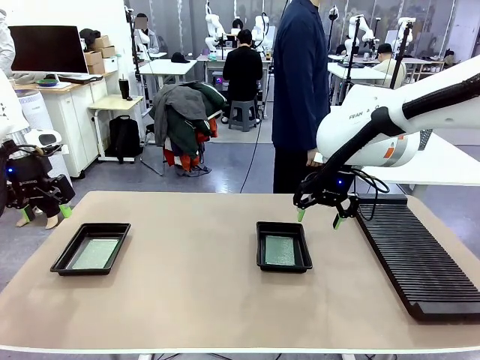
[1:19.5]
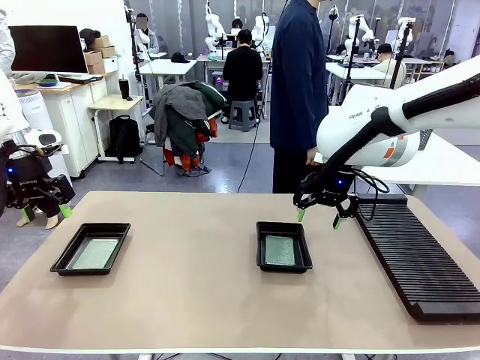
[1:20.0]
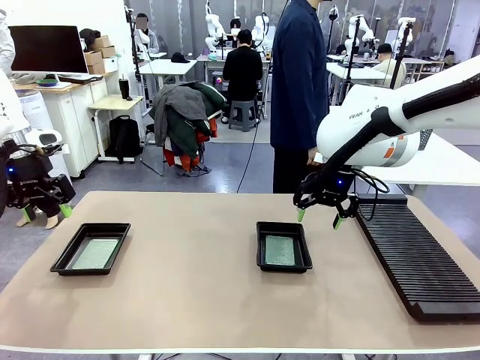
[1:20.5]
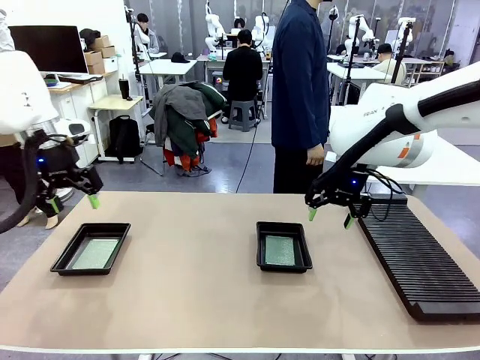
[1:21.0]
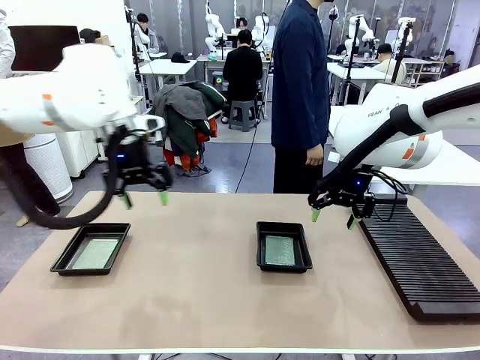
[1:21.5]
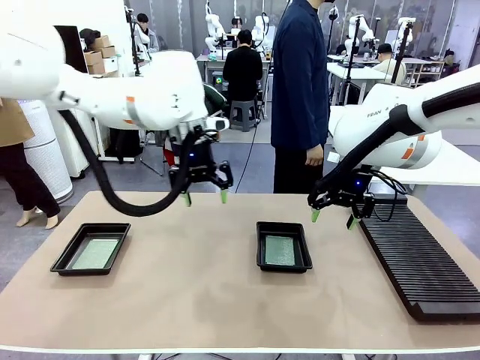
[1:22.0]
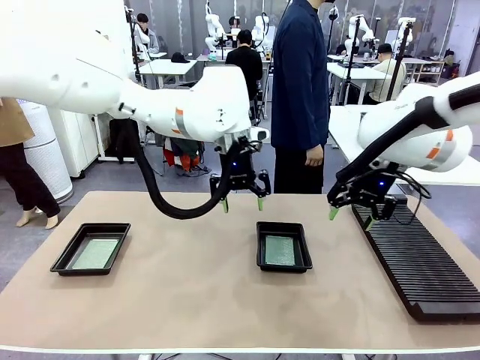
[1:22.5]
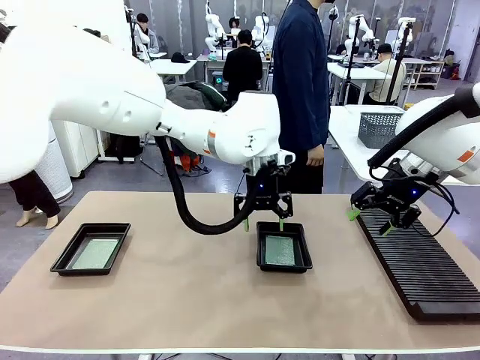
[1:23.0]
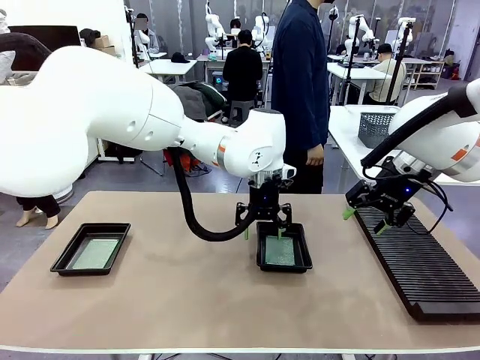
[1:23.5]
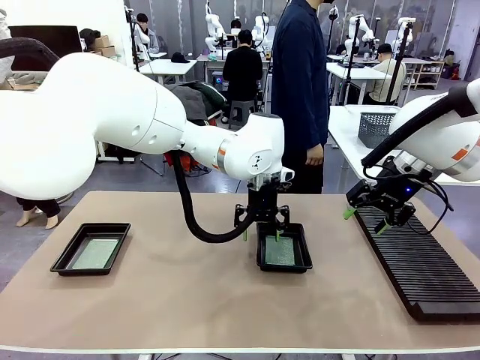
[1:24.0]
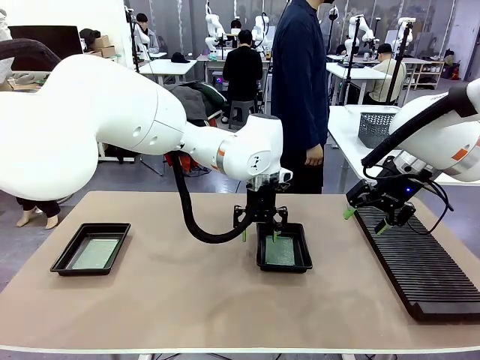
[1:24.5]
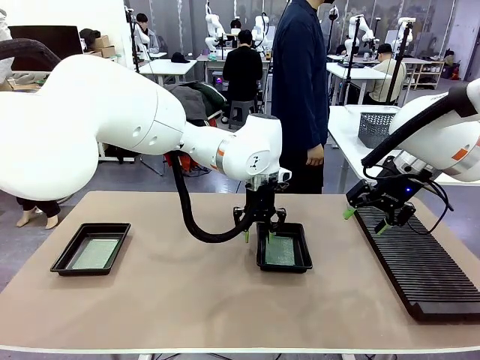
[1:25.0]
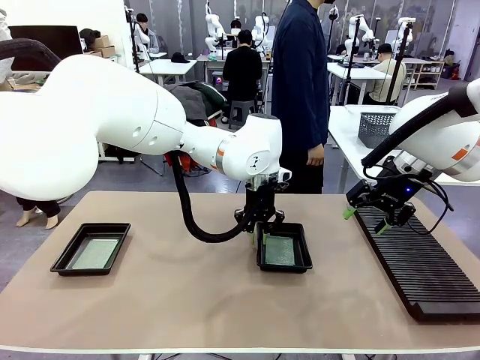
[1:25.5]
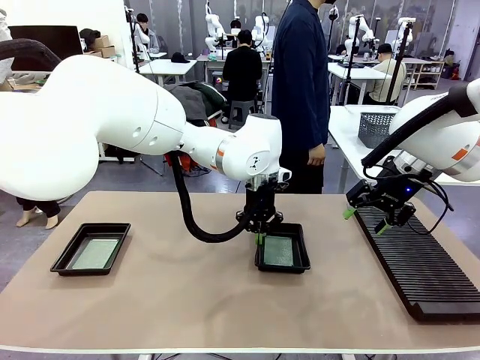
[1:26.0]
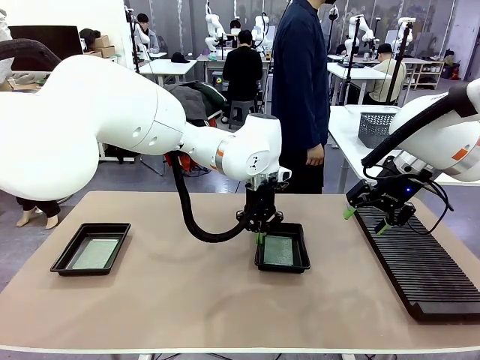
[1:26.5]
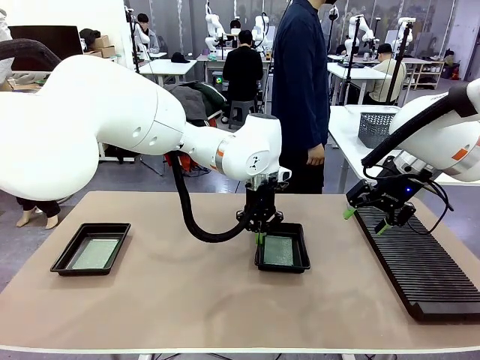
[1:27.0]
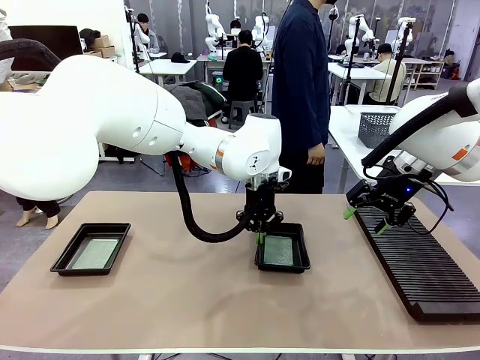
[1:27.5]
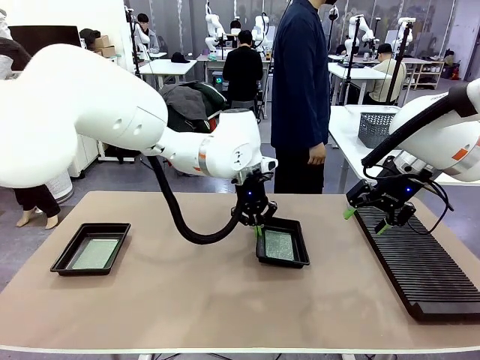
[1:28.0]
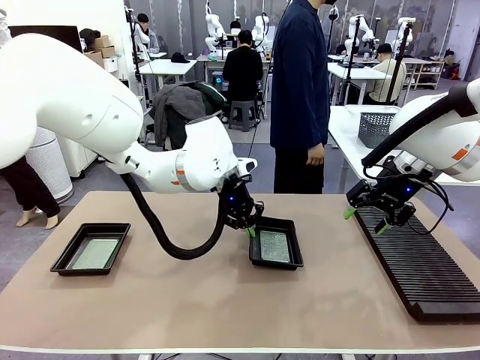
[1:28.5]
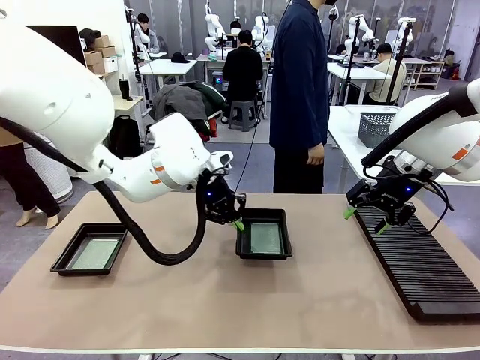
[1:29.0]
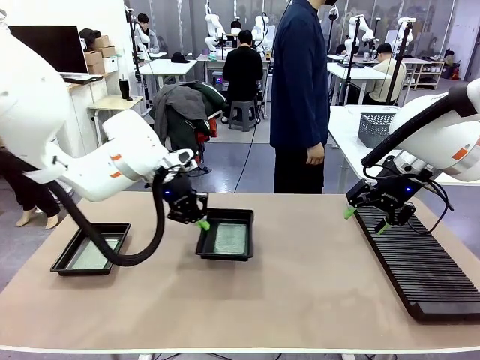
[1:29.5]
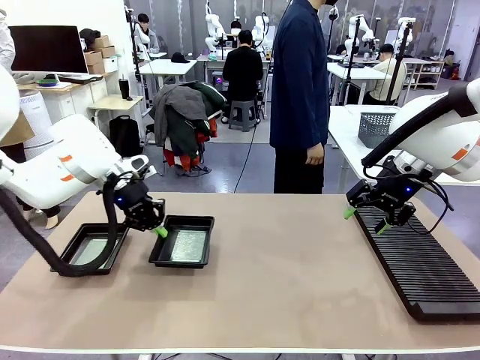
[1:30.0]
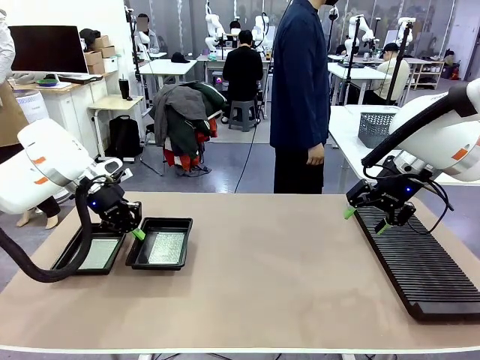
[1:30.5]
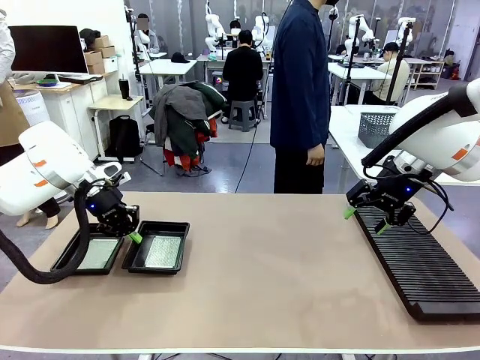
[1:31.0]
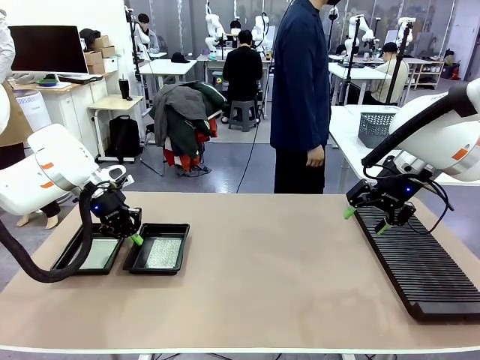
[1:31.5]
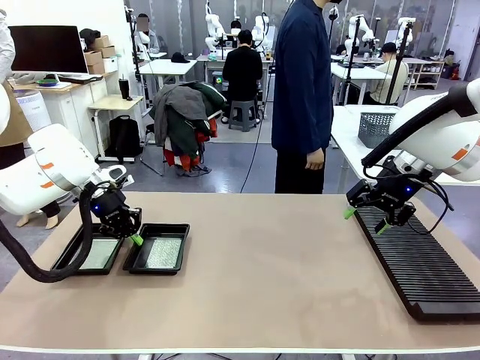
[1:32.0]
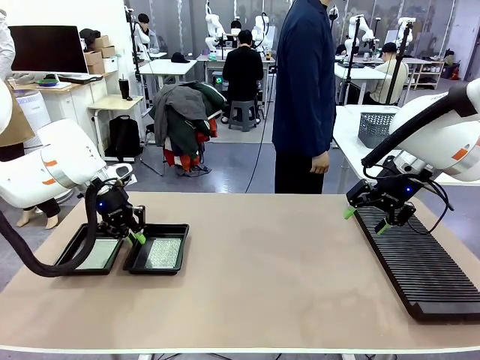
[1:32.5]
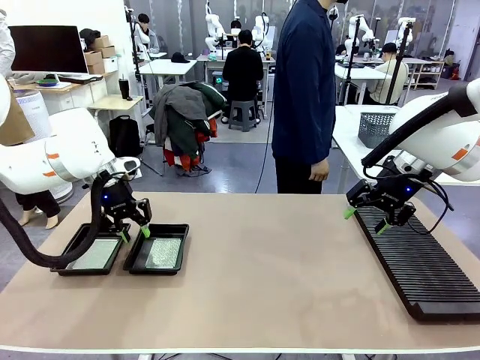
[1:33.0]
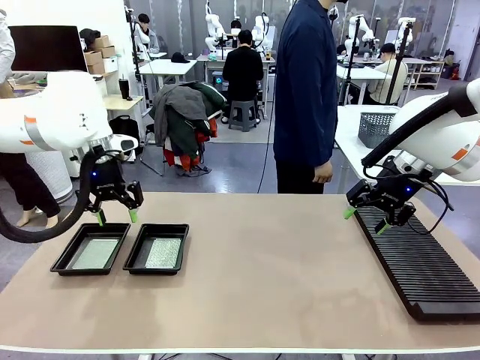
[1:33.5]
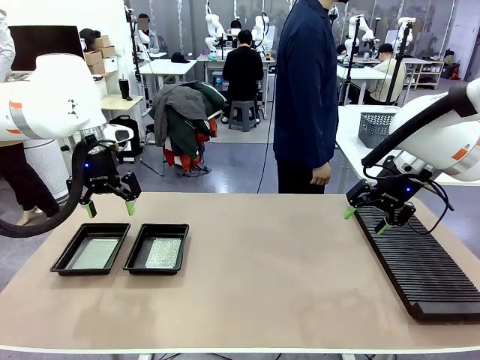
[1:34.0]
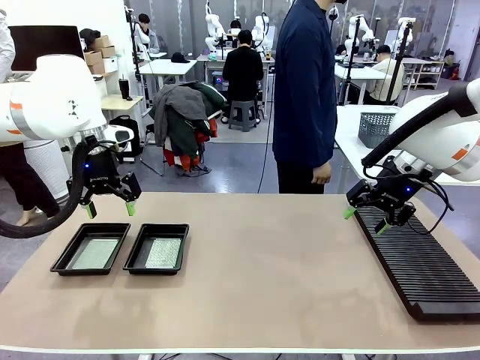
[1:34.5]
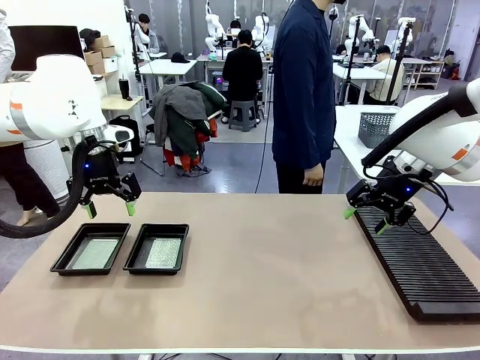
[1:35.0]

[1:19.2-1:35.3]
Task: Inspect and transfer BCBs to ESD trays.
Robot: Pick up the ESD tray and place it on the left side of the table.

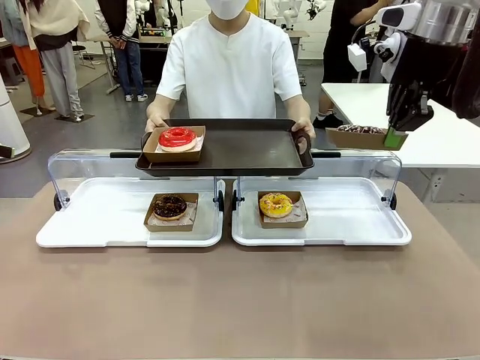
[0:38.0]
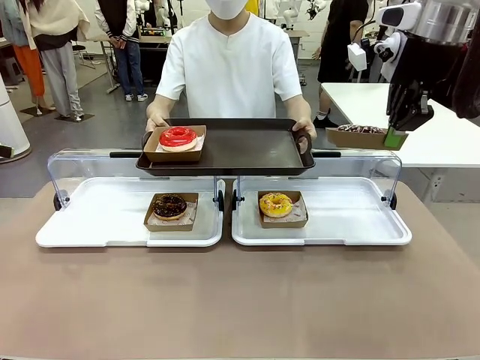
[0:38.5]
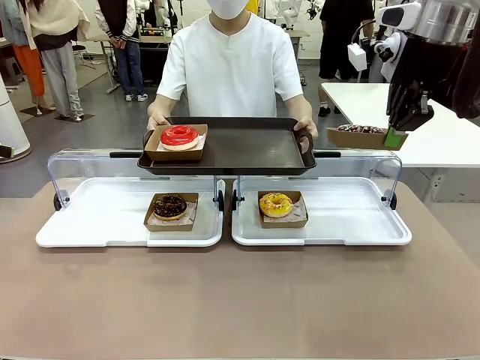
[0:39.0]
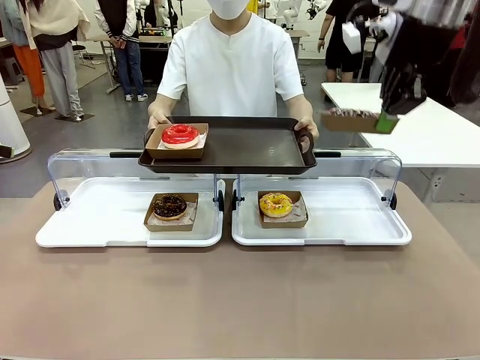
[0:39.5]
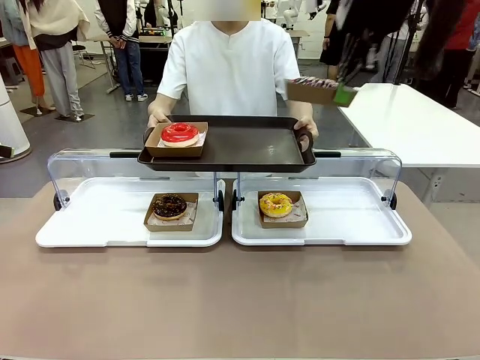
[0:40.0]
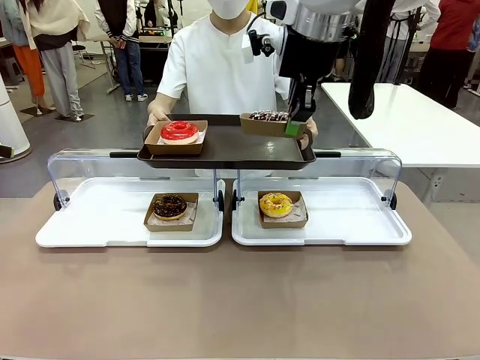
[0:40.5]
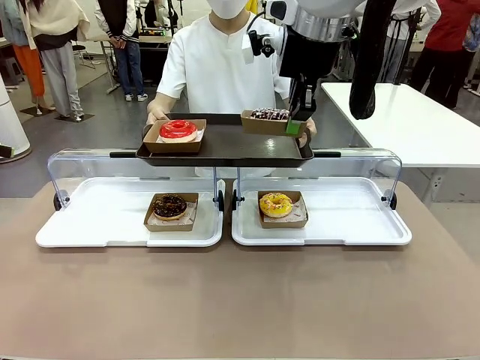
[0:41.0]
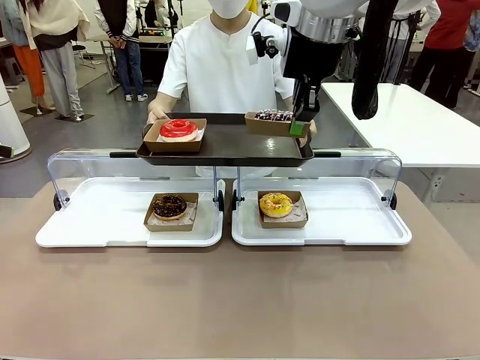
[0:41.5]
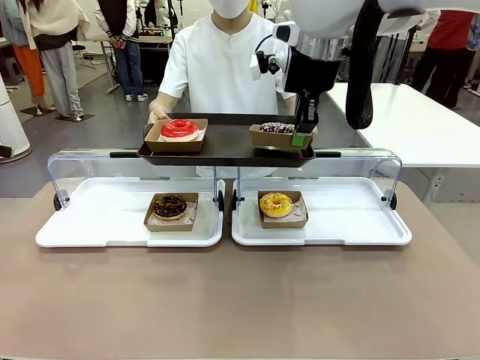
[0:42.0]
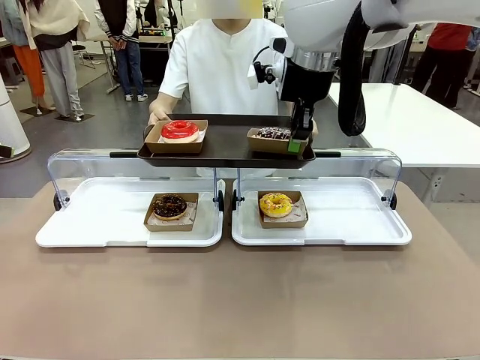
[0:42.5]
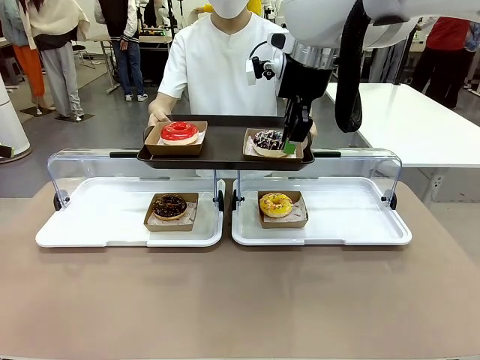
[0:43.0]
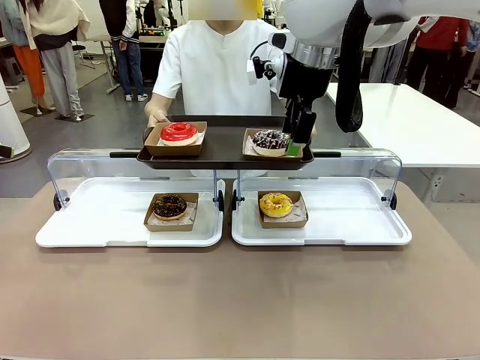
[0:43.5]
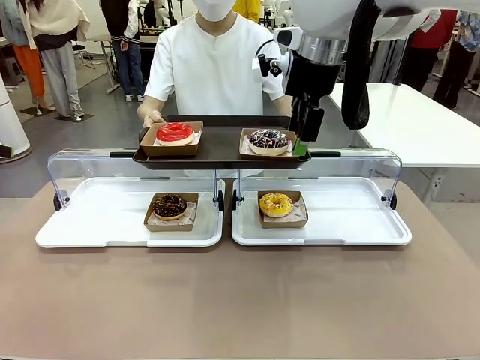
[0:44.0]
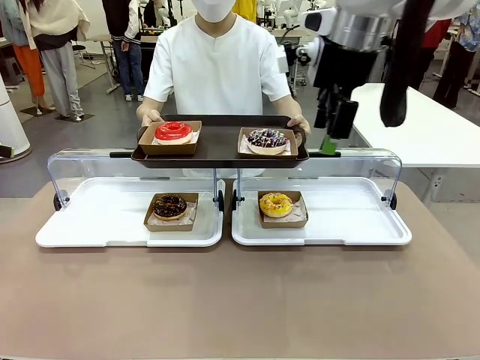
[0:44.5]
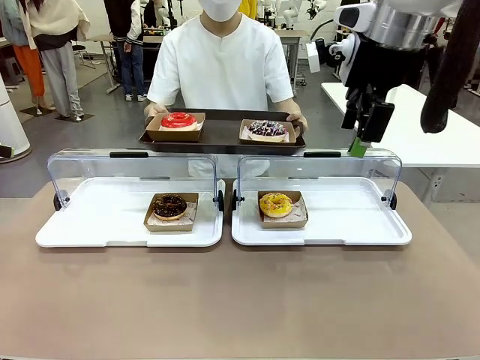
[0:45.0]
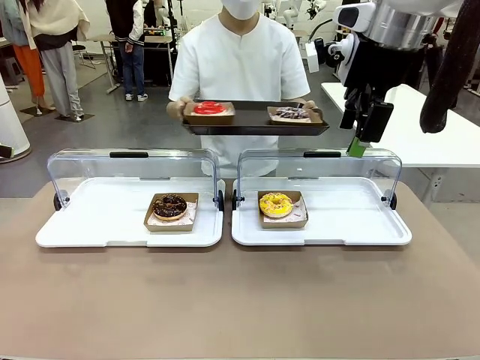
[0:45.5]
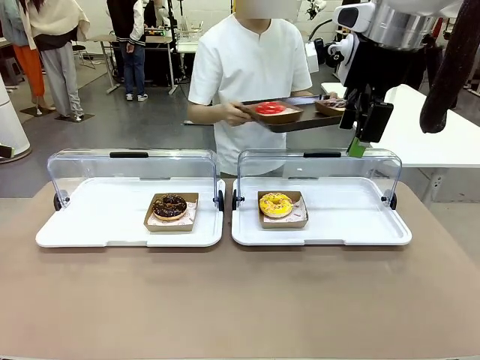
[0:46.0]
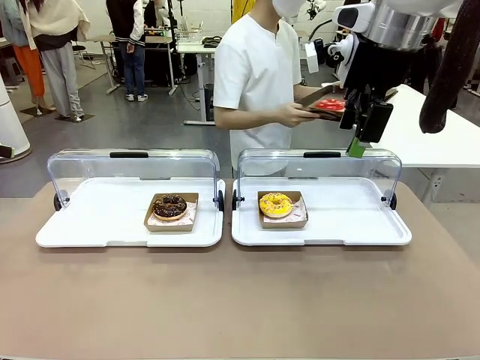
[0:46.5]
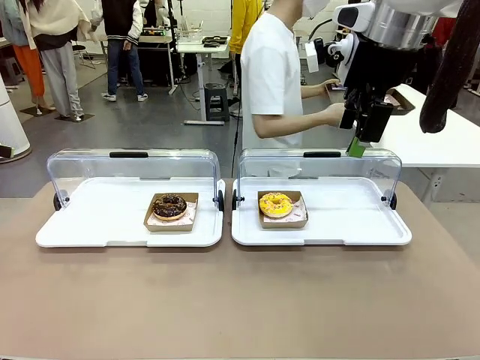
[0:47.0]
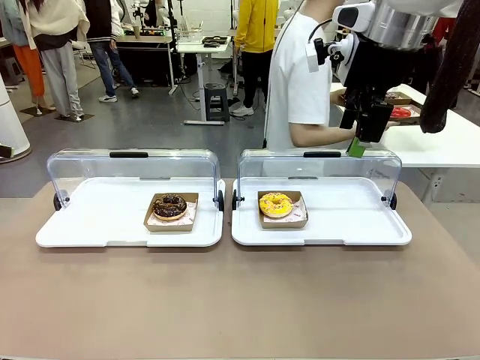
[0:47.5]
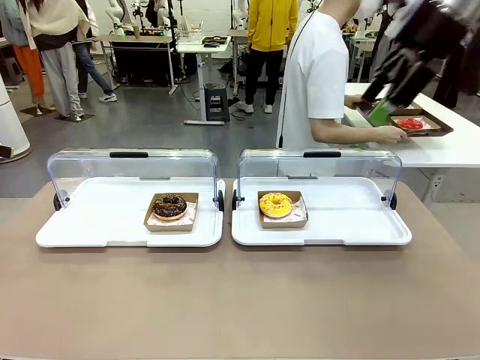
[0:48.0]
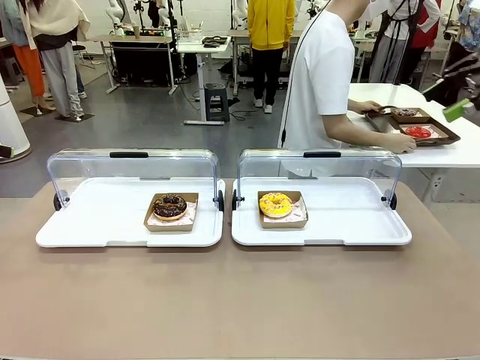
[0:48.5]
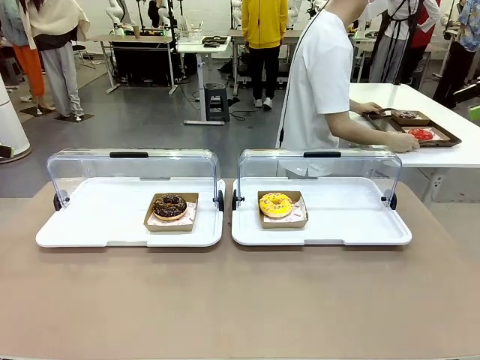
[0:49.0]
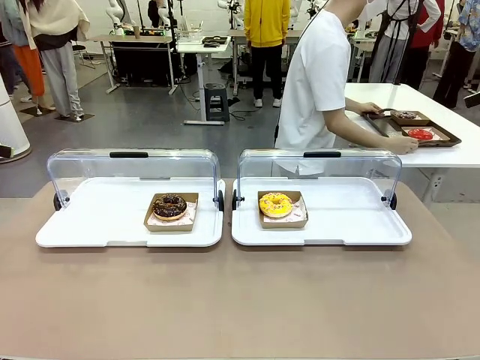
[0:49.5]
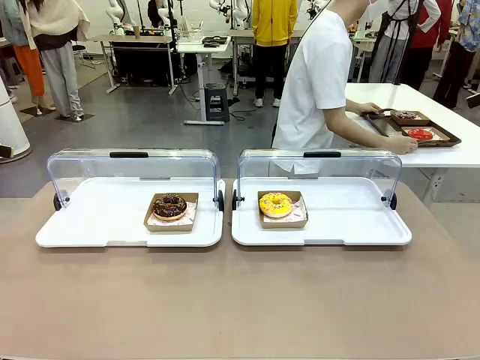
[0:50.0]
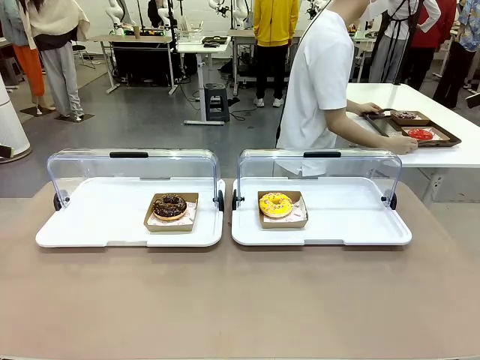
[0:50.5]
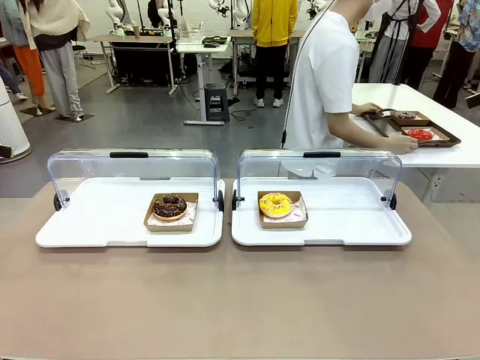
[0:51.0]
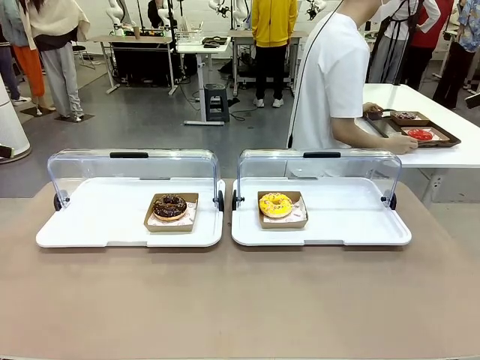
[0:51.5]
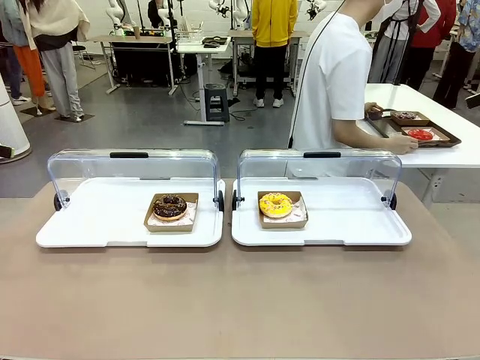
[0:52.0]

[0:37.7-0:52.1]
Task: Provide the desired donut to the person.
Robot: Place the picked Paper togo box onto the Handle tray extended by the person.
Person: Place the tray in the middle of the human table.
